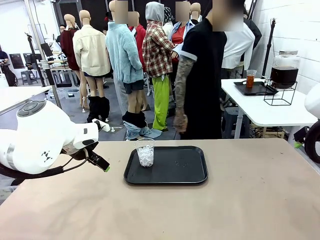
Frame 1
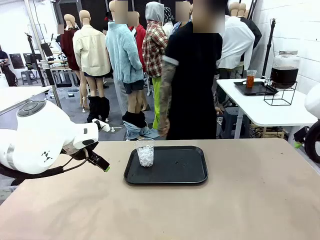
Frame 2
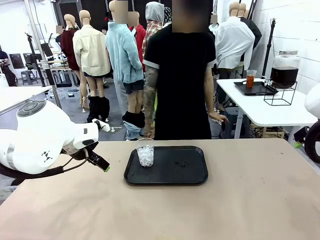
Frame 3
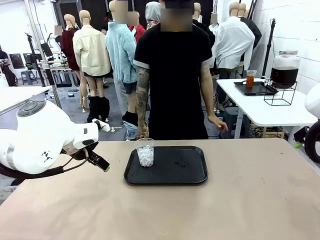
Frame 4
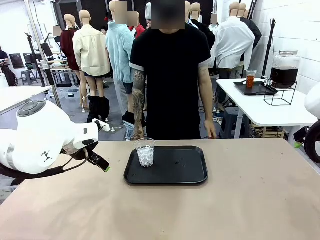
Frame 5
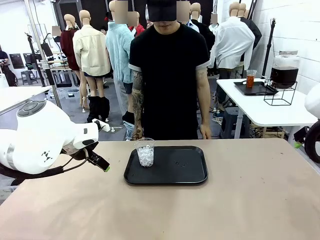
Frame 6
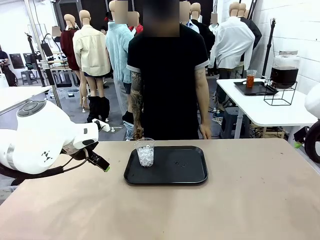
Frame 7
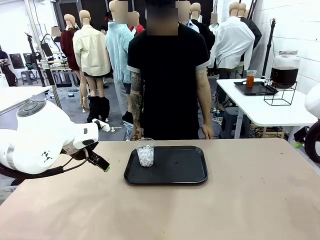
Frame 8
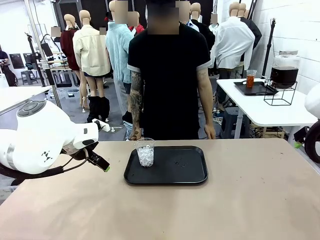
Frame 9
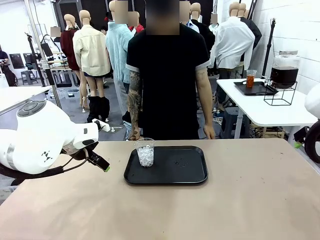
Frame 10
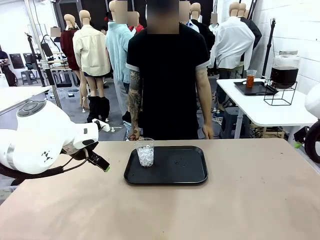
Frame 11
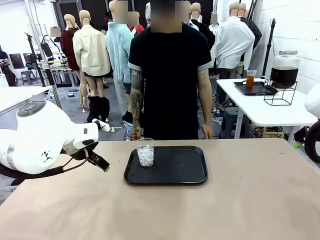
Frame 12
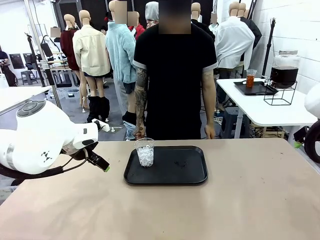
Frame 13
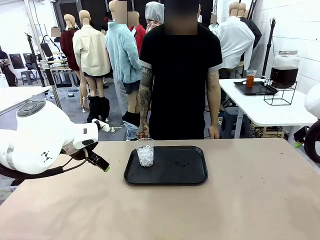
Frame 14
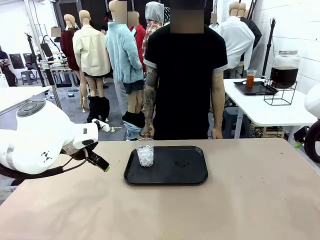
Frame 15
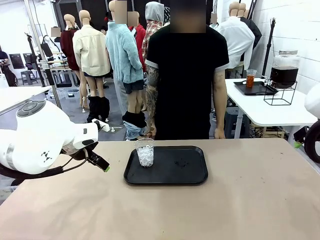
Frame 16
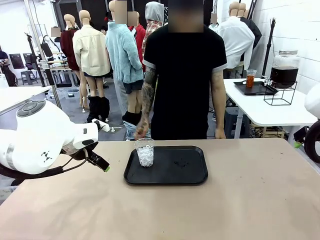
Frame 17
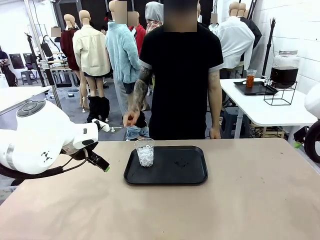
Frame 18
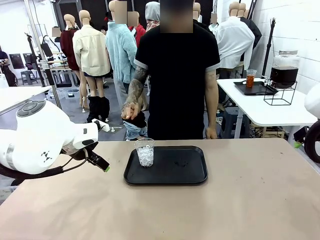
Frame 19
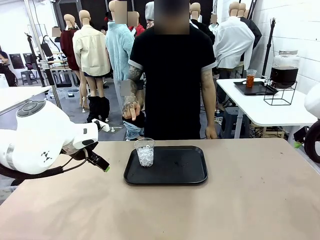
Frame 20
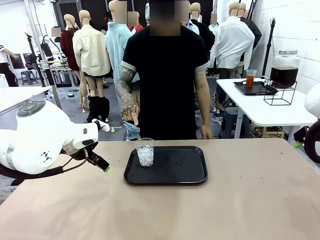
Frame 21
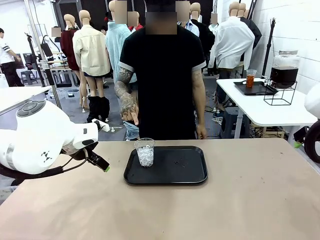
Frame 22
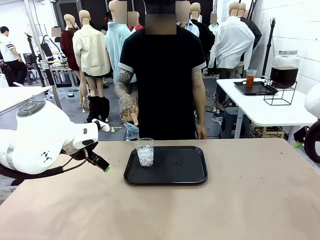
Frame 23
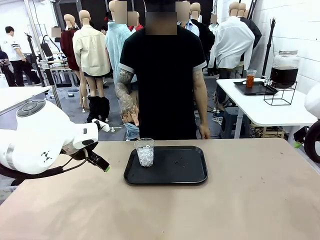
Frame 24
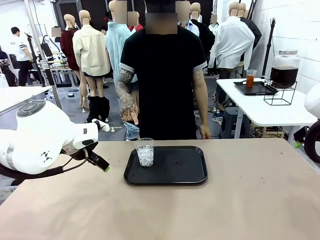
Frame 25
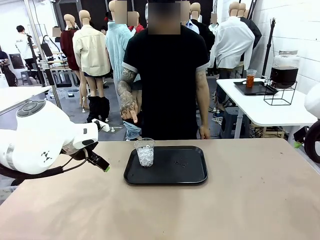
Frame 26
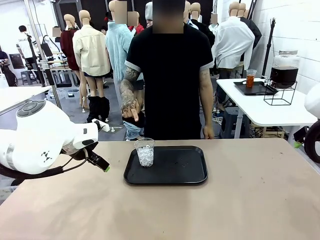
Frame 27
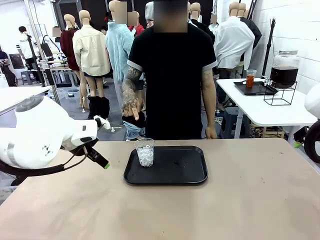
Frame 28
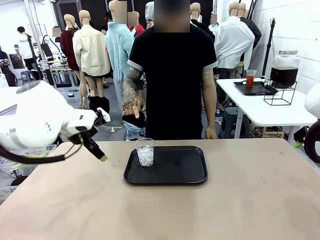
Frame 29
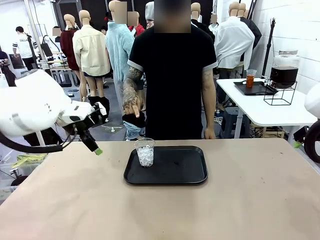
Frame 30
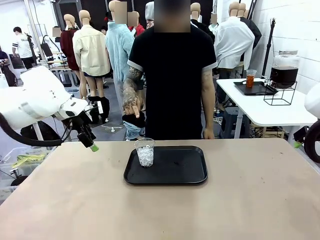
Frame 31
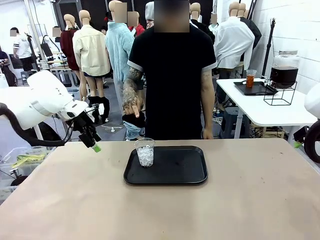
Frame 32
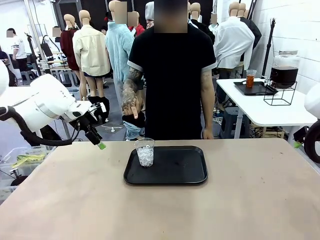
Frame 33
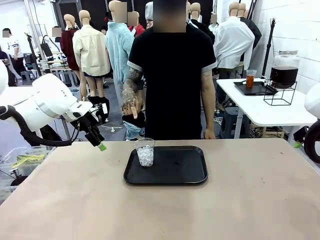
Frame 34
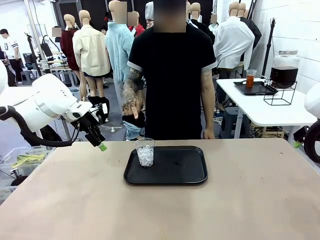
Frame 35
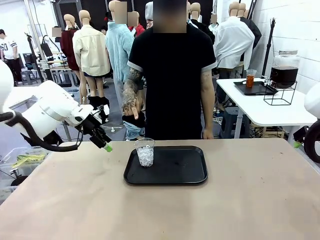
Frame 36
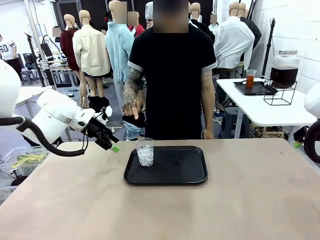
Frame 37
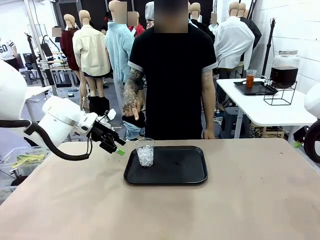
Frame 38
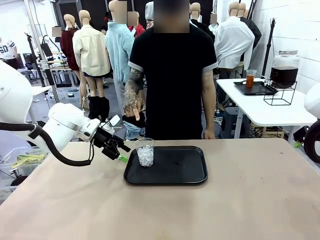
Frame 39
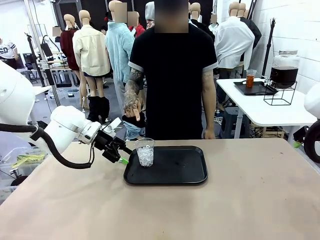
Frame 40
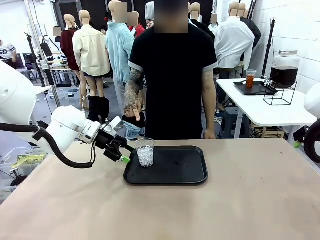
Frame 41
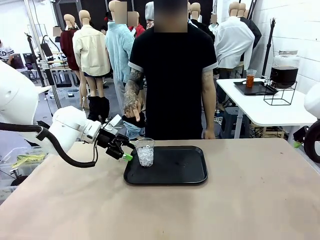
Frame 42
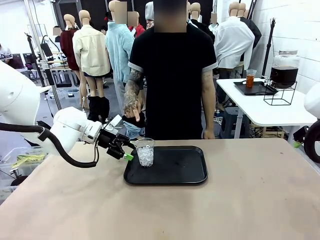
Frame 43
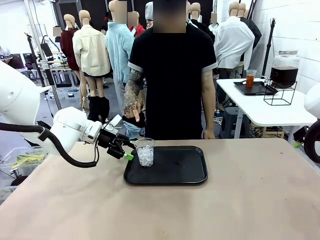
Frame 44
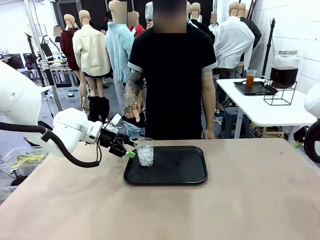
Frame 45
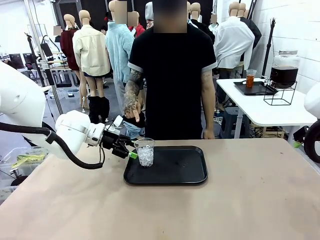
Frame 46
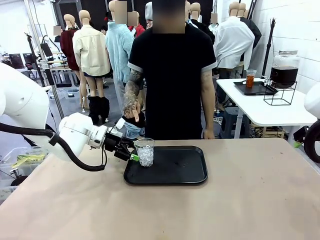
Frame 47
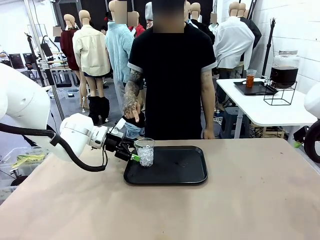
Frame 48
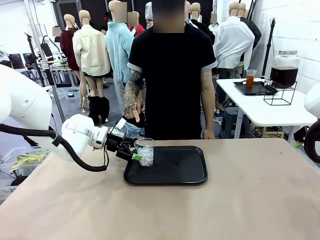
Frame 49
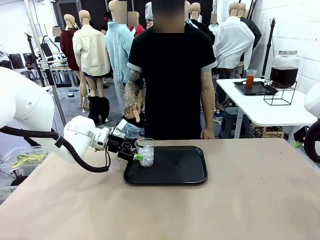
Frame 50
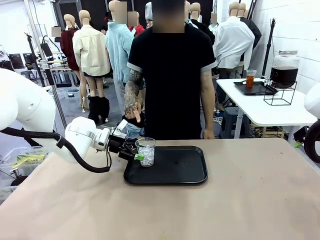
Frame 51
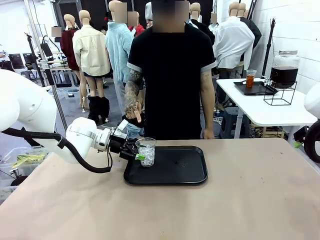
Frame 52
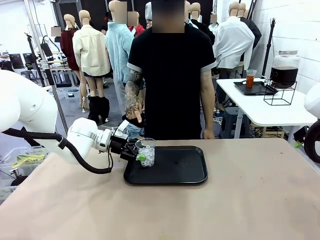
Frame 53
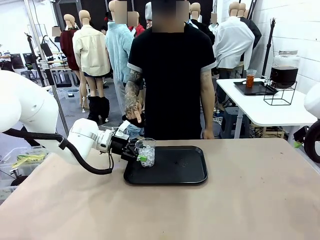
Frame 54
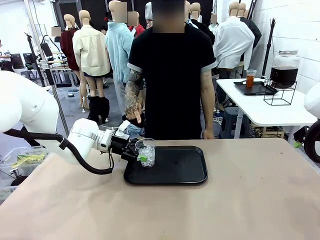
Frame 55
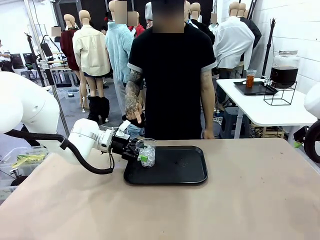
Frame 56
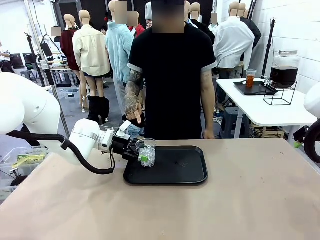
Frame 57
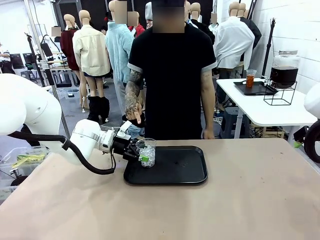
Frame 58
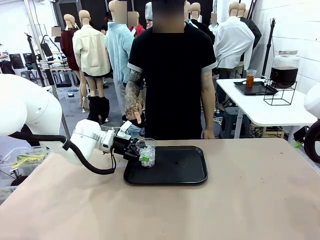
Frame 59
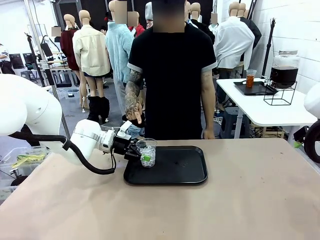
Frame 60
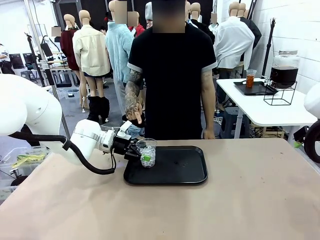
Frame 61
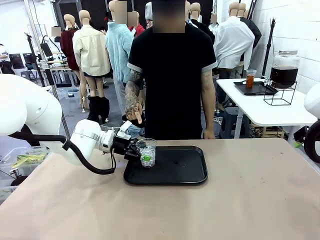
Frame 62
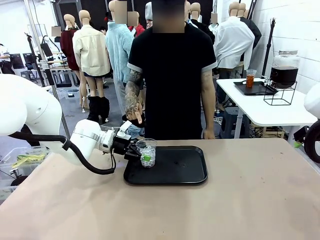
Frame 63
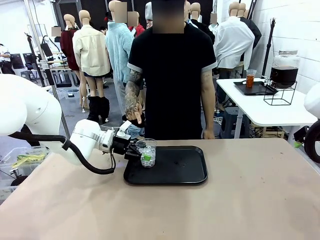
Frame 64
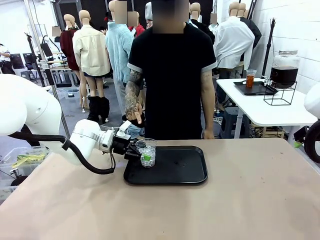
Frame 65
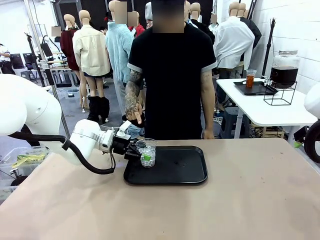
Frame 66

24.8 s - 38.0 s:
Task: Pour the drink into the iced cup.
Robot: Pick up the iced cup indicated by the human and present it to them.
Person: Point to the remaining ice cup on the robot table. Pick up the cup offered by the robot.

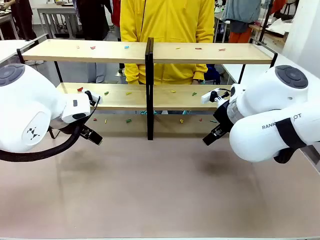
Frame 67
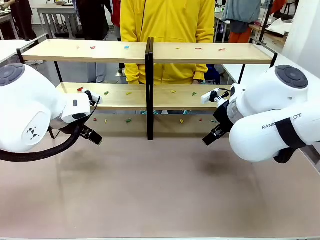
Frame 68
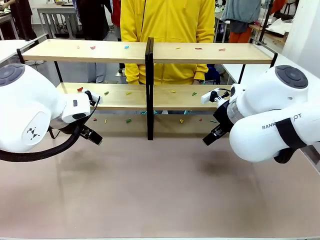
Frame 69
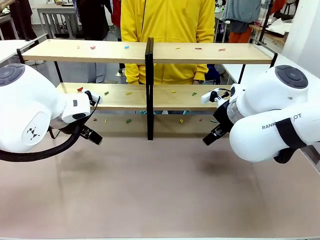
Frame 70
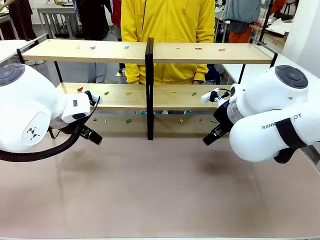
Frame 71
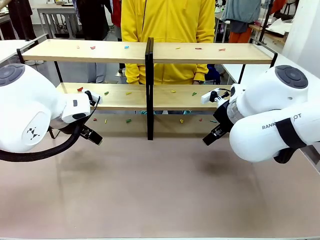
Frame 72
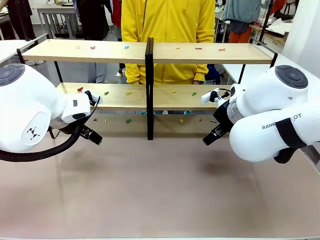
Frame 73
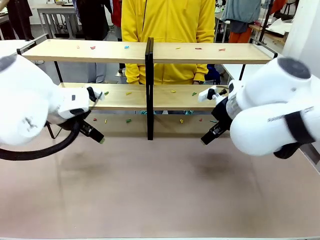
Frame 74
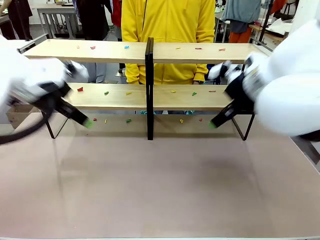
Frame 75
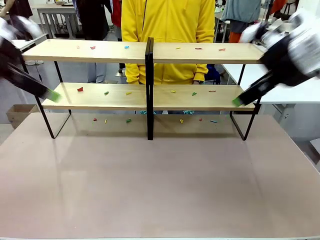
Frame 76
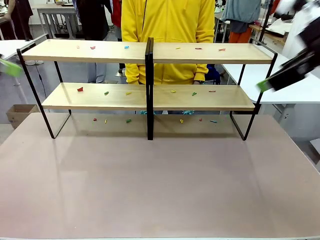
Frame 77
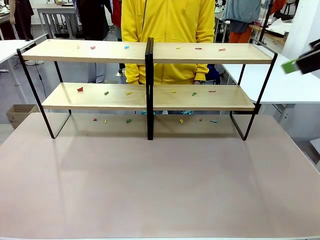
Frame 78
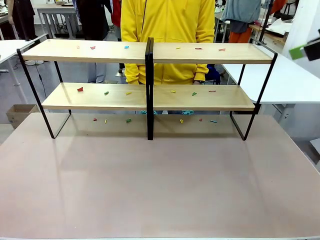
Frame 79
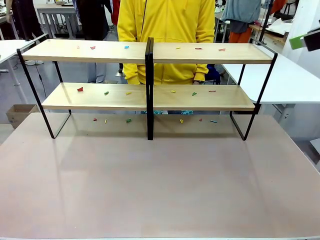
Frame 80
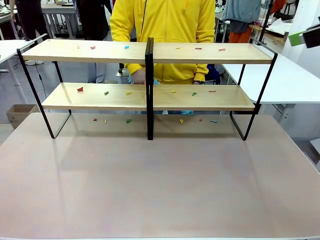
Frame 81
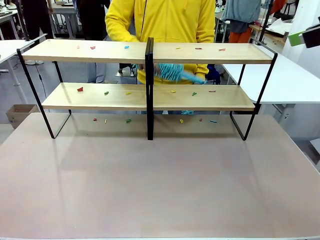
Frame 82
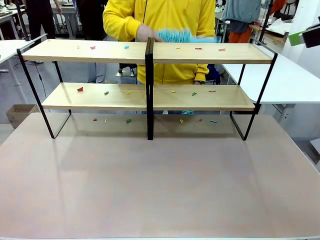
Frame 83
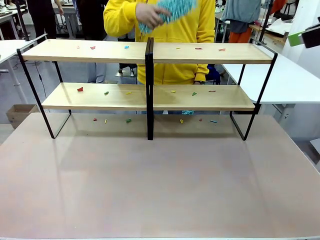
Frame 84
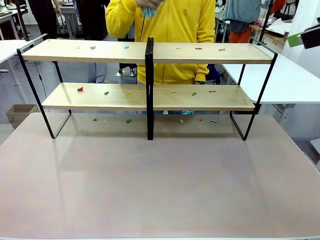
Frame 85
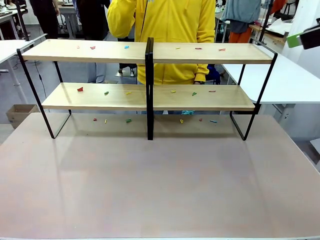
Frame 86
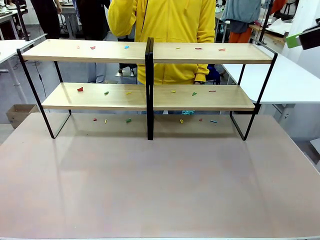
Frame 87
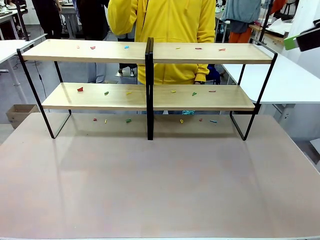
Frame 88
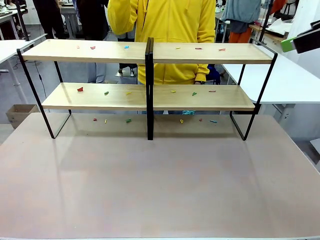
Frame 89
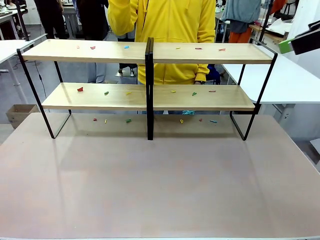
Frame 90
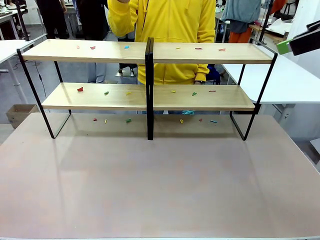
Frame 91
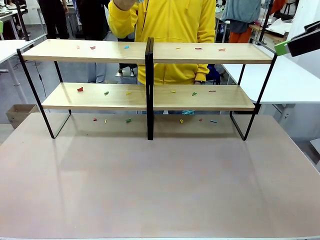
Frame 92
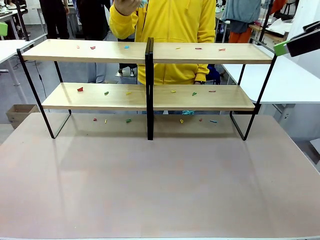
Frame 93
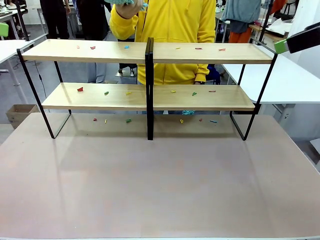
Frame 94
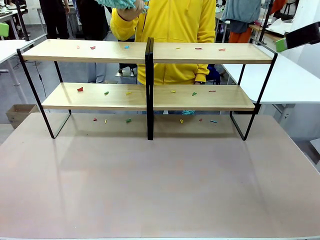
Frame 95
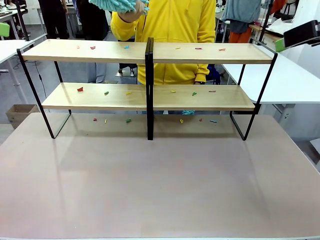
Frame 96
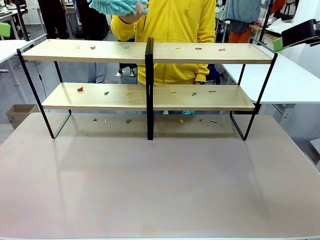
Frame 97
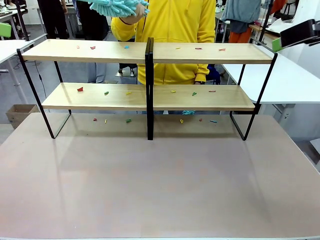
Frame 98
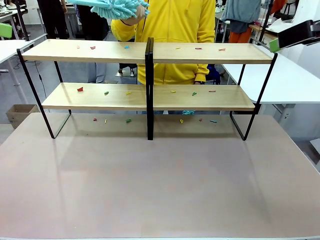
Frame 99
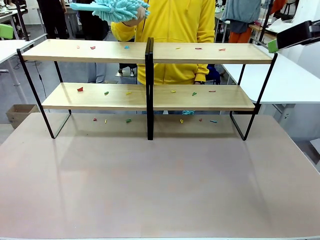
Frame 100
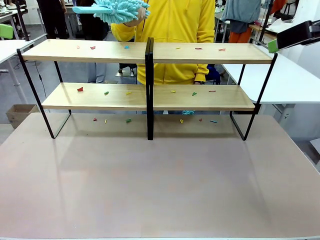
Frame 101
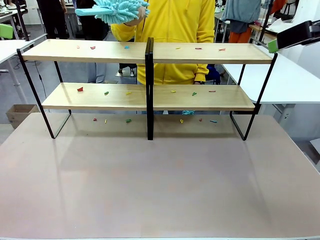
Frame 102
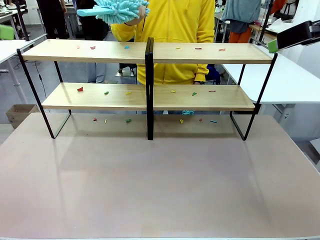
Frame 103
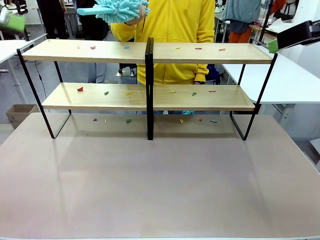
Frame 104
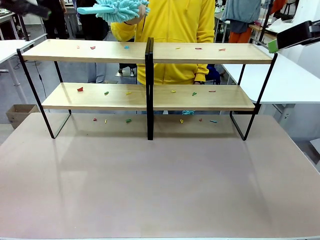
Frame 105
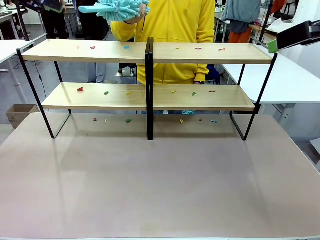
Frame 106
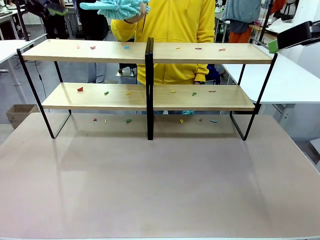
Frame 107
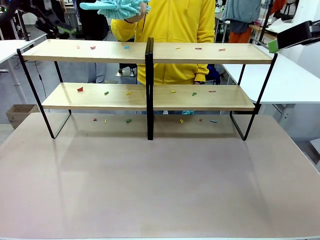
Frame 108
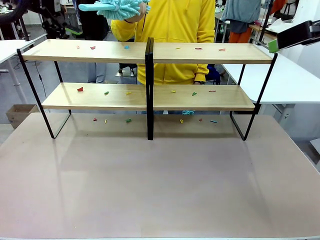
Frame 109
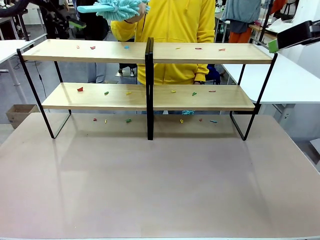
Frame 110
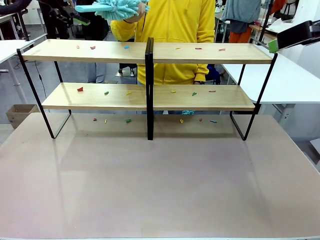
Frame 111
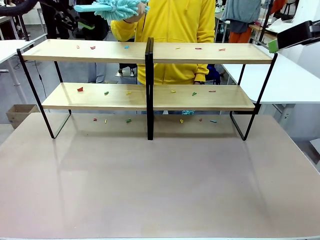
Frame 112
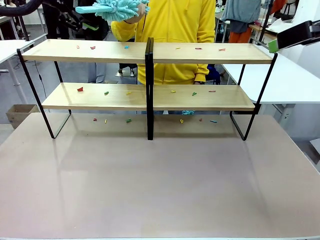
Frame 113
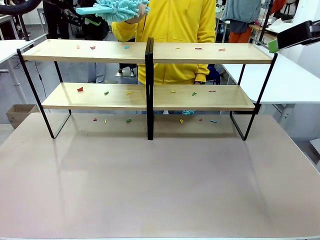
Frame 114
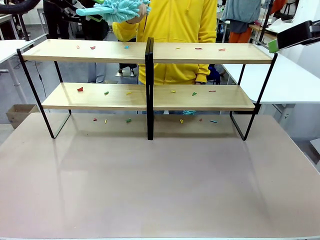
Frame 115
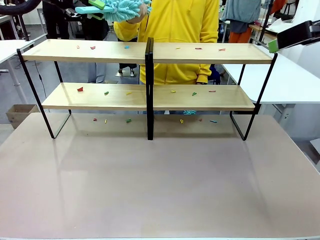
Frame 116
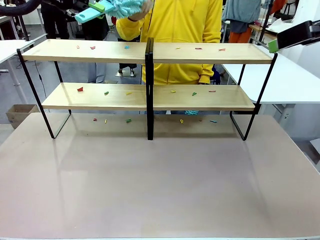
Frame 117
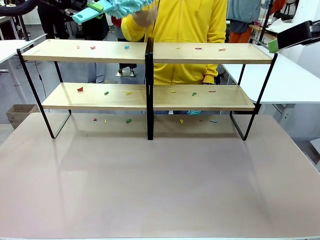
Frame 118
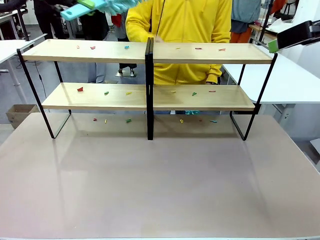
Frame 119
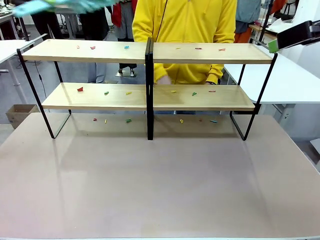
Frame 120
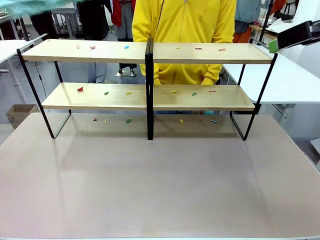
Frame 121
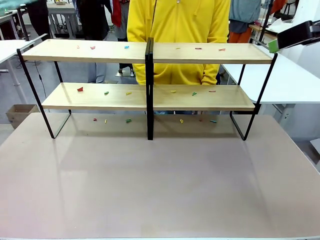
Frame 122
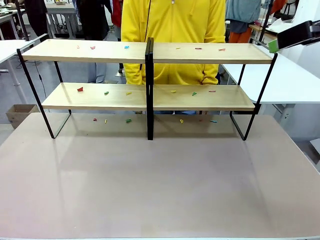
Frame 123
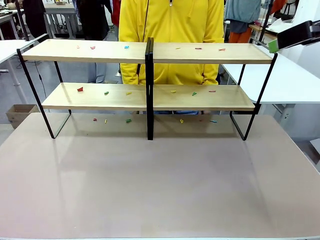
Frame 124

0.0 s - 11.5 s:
Task: Clean the shelves.
Robot: Pick up the Duster when the human hands it over.
Person: Hand the Duster to the robot with your right (or left) hand.
